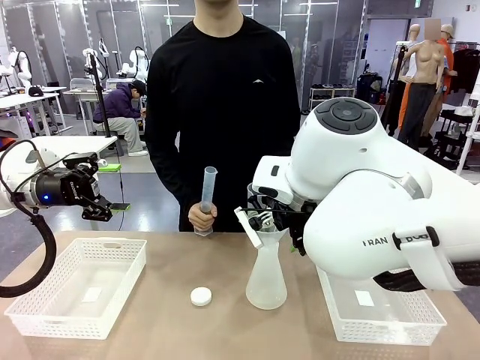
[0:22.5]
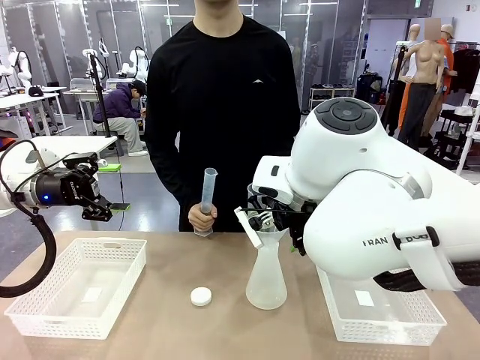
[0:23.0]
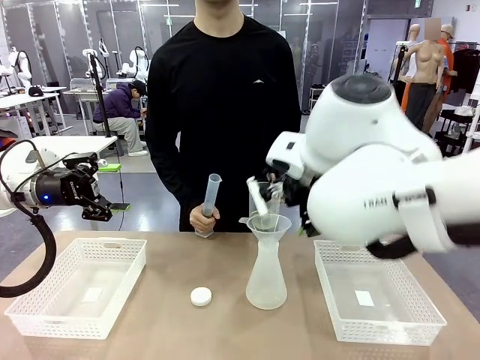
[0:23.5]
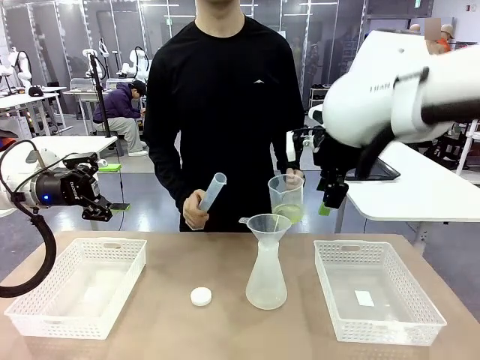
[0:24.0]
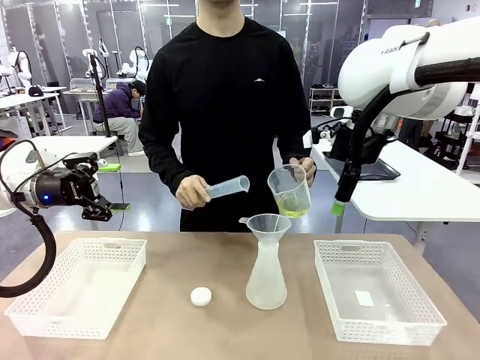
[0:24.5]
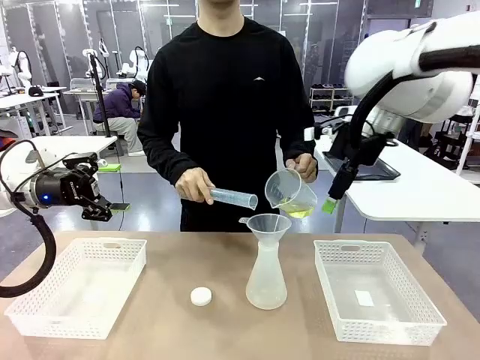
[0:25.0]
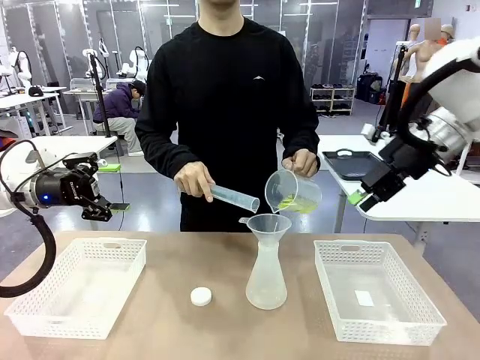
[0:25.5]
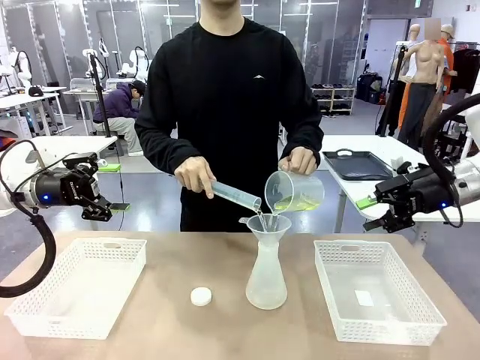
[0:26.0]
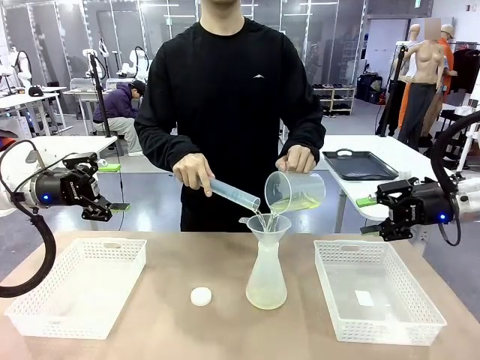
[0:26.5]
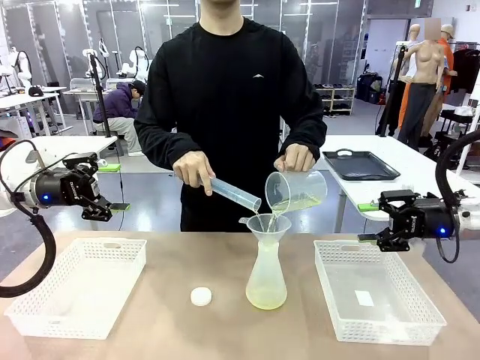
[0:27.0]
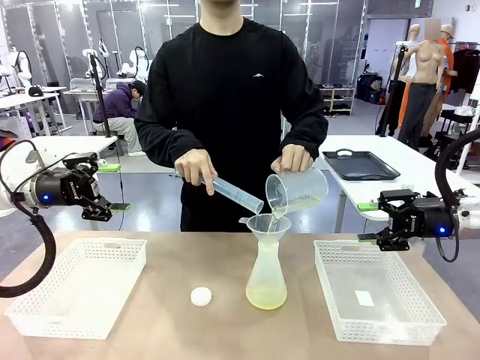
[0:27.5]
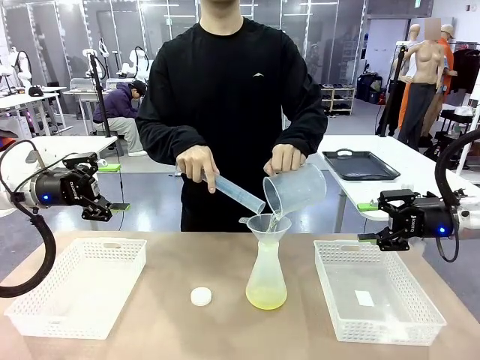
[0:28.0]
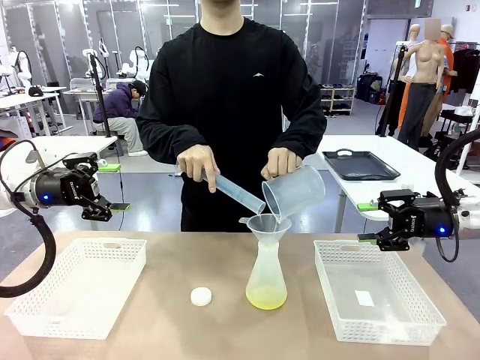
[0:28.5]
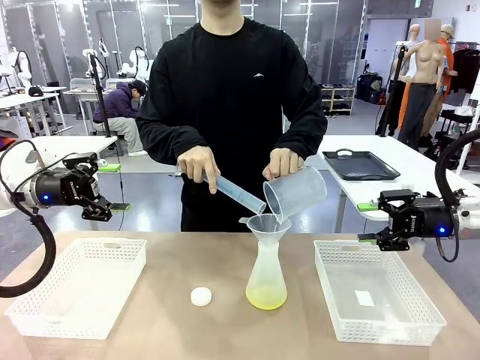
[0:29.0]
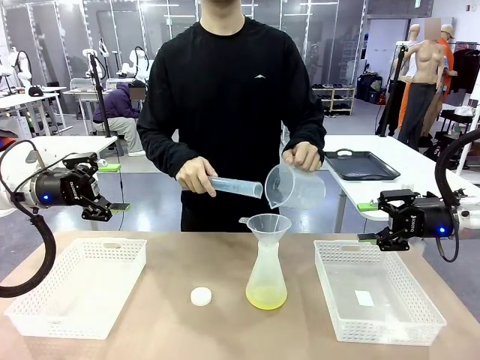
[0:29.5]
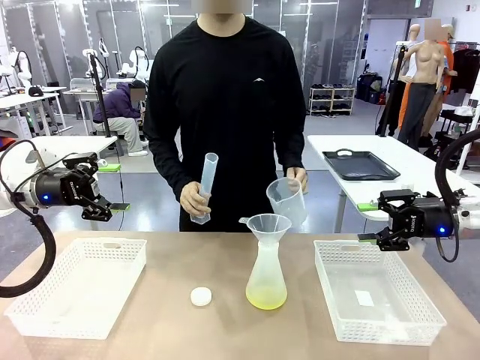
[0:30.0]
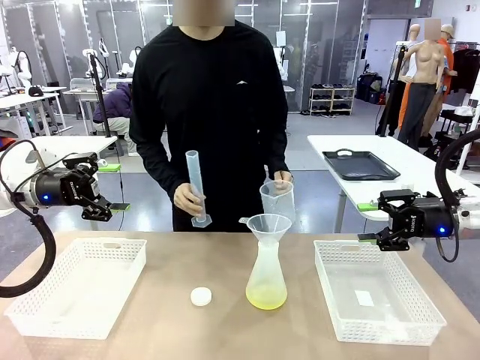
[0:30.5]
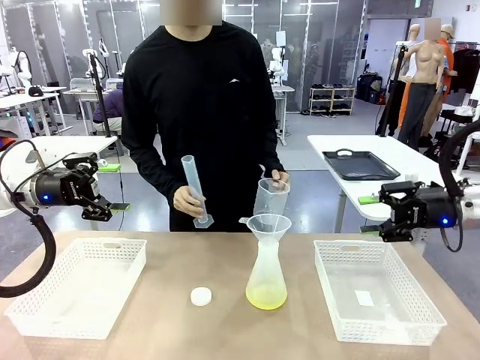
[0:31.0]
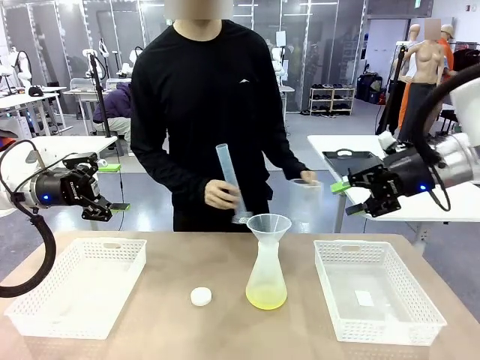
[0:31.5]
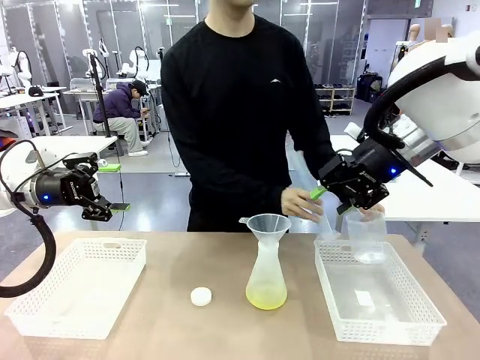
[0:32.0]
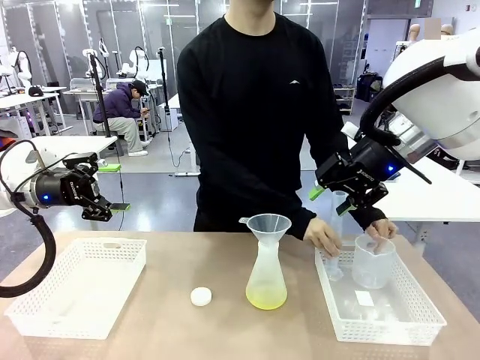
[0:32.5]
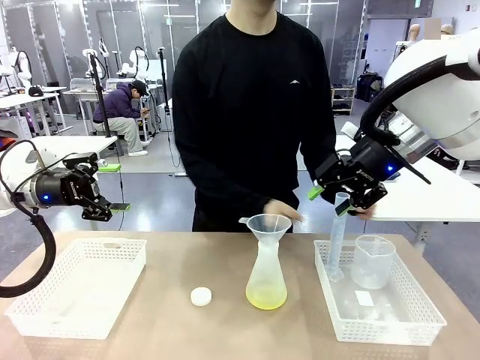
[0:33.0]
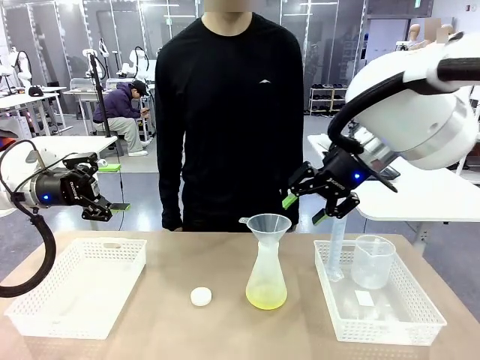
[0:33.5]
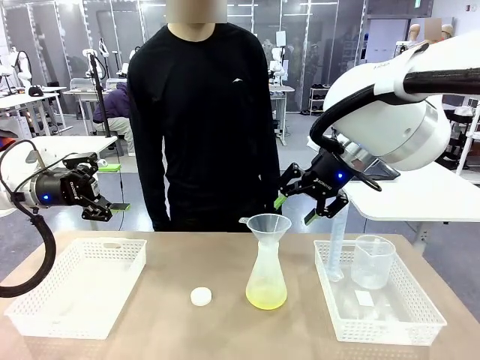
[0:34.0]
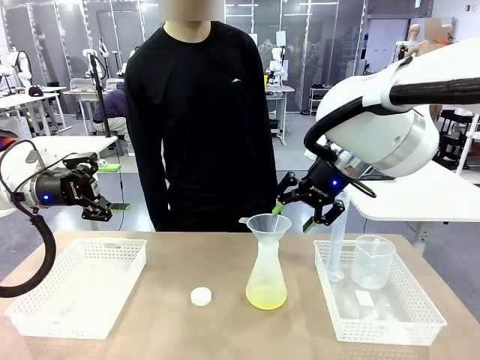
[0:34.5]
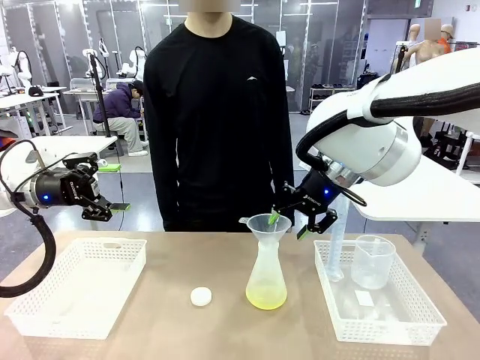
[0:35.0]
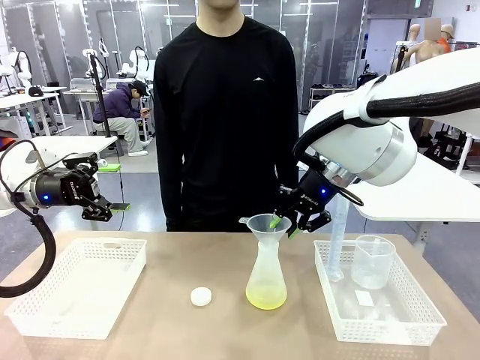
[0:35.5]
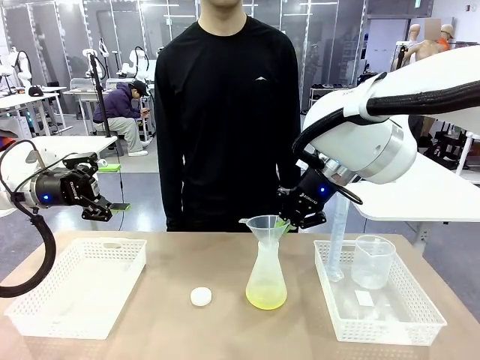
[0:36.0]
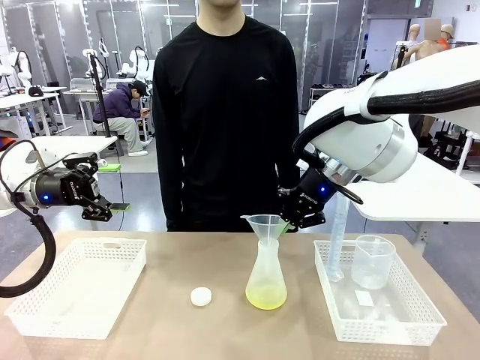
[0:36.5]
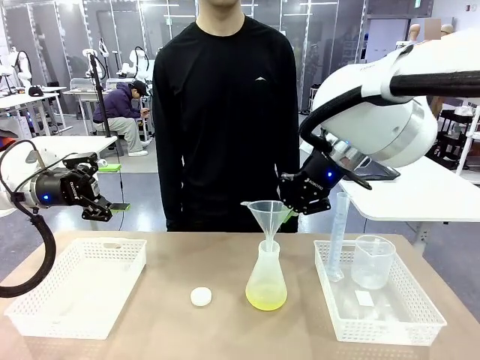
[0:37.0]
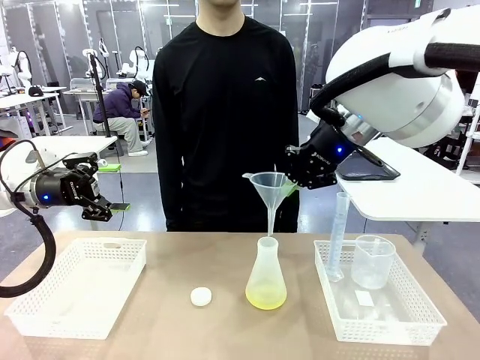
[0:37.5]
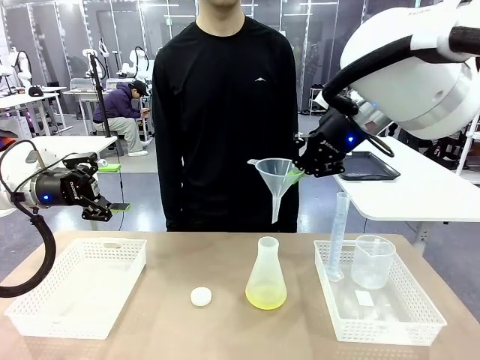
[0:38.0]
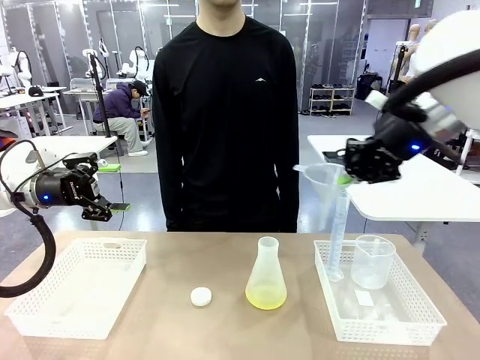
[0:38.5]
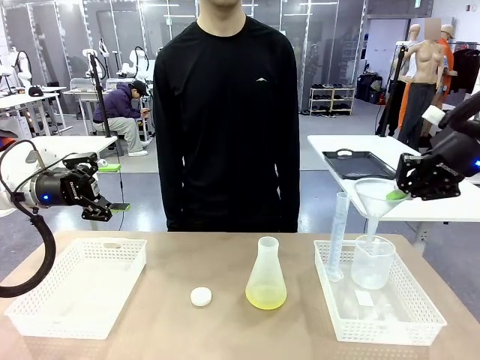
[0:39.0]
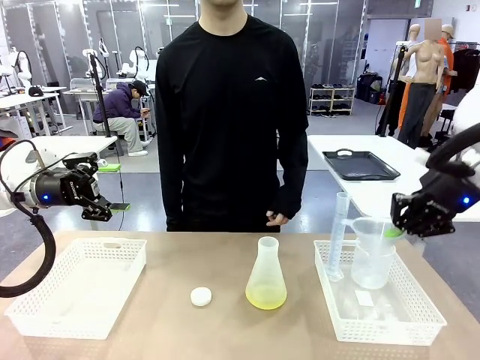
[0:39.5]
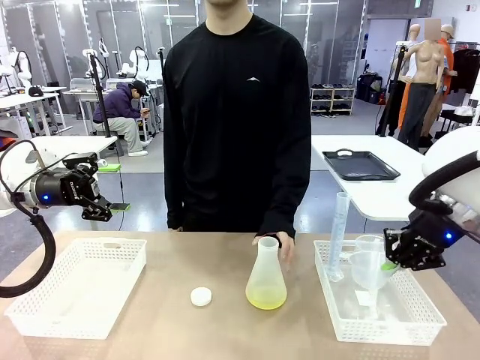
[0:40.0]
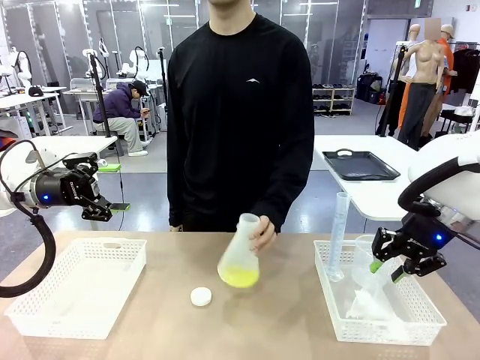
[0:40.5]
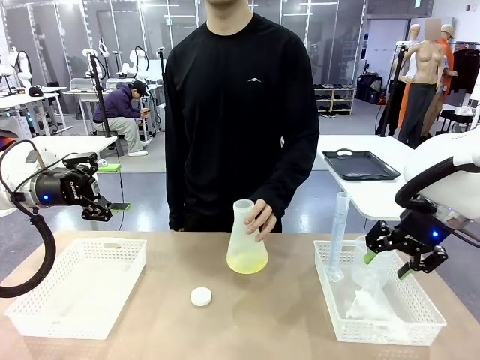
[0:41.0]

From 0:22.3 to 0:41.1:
Task: Prepare the solutions needed for the experiment.
Robot: Once the solution is in the Big flask , pick up the Plastic Funnel and place it back into the right Organizing basket.
Person: Place the beaker and the cylinder into the organizing basket on the left side. Pick up the flask, gently shake it 2–3 times, place it in the middle of the robot table, and close the lid.

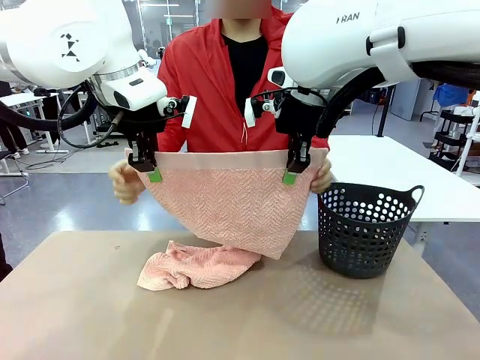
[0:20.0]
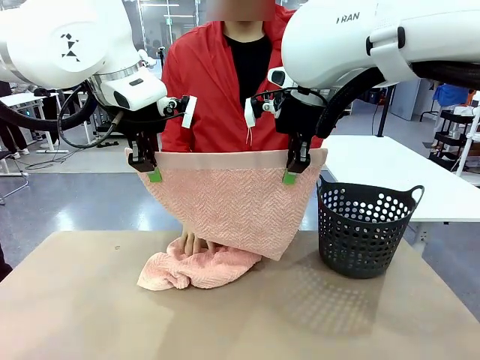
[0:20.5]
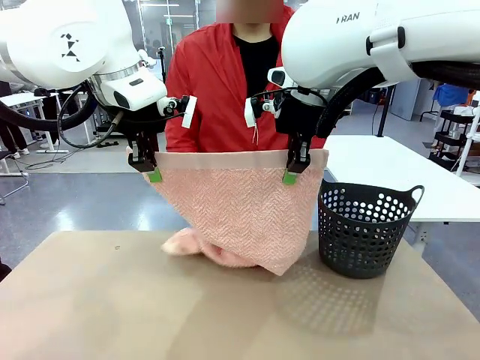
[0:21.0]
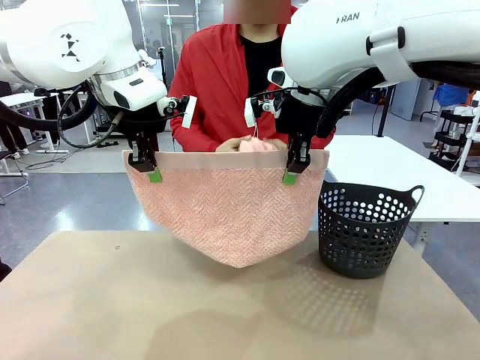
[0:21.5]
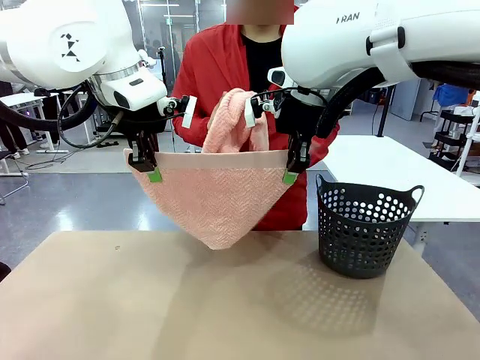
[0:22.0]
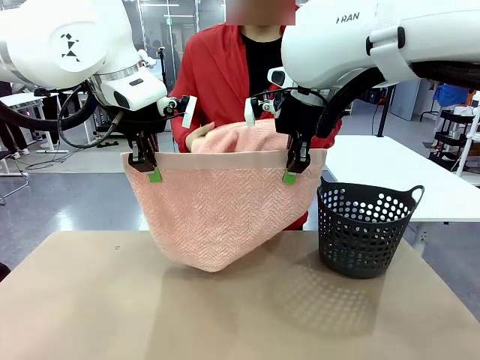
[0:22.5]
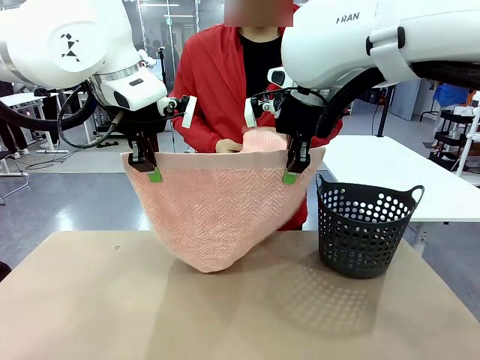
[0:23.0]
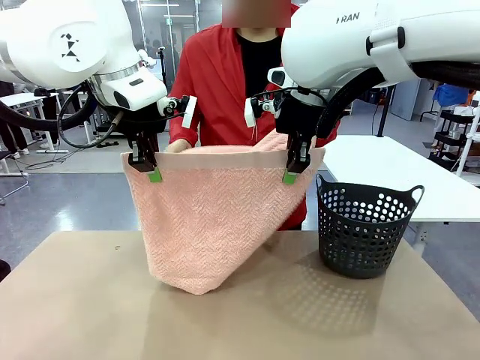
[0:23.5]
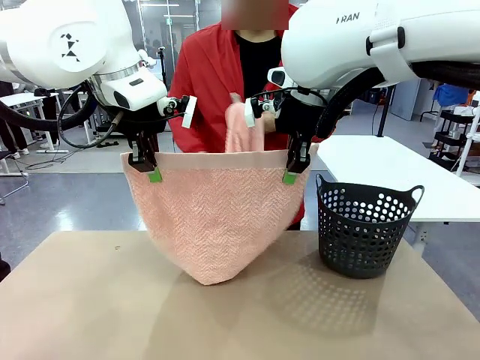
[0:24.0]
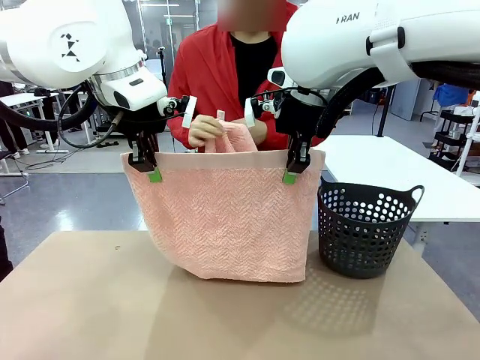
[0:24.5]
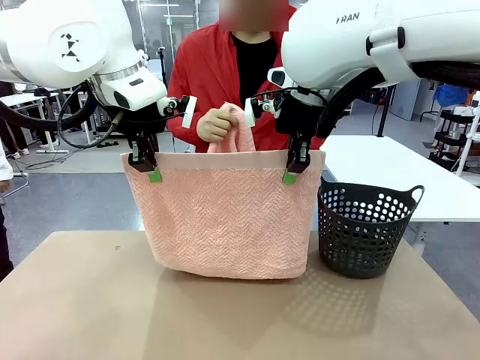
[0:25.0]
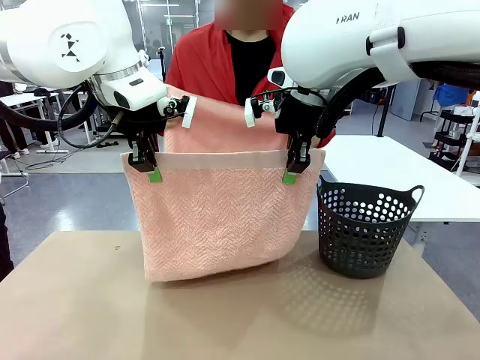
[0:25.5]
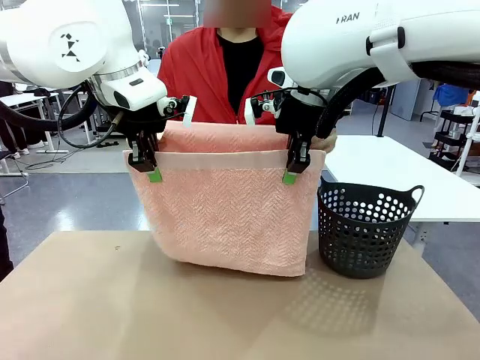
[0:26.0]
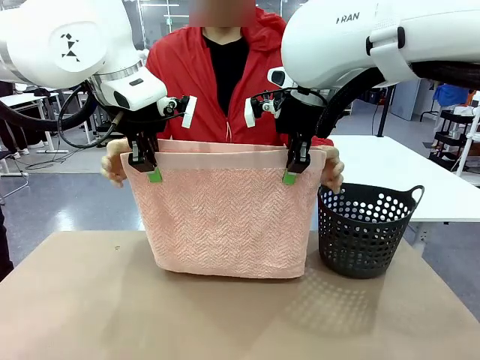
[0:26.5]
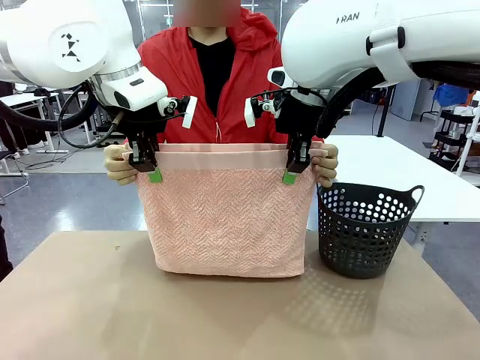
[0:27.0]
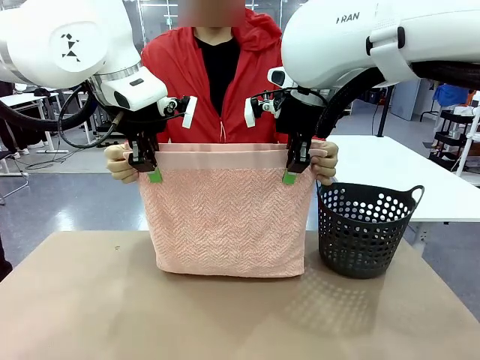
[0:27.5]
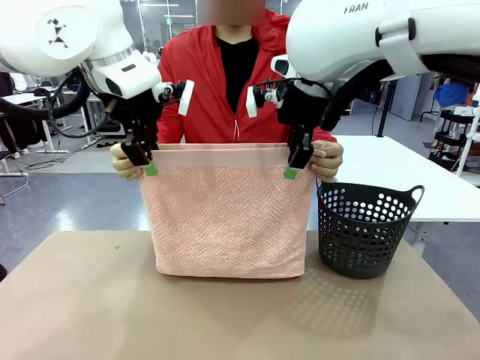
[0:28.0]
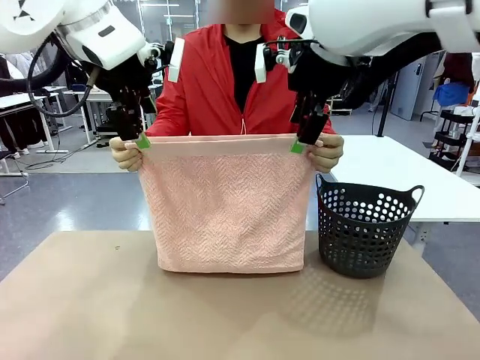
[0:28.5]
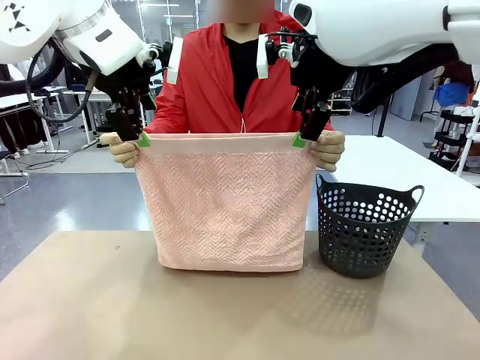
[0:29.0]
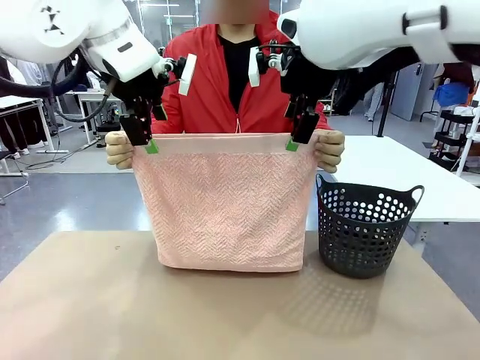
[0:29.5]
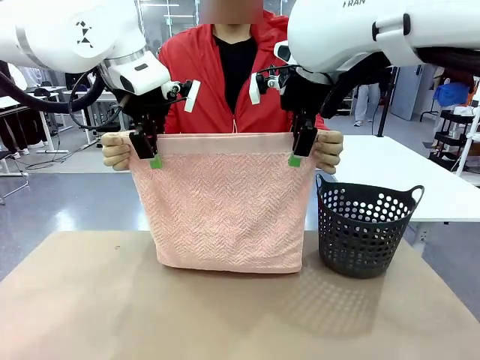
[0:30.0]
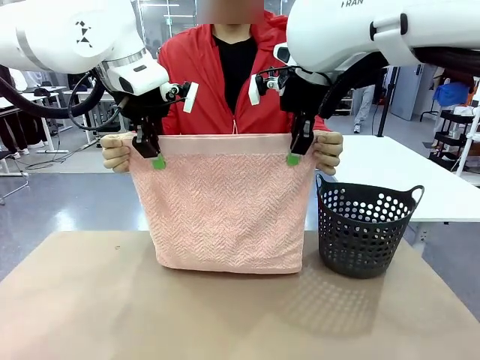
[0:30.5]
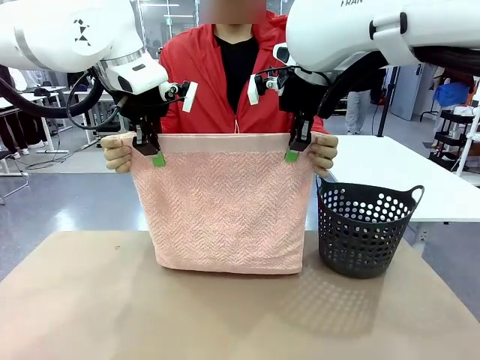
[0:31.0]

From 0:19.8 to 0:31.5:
Task: Fold the towel.
Robot: Release the end of the 100 cm Hotel Towel you were holding and grab the top end of the folded side.
Person: Using the point held by the robot as a reference, grasp the opposite end, fold the towel in half, and then hold both ends of the folded towel.
